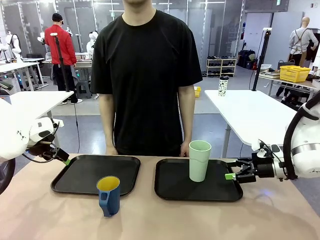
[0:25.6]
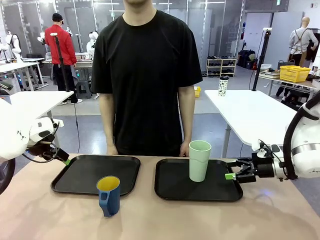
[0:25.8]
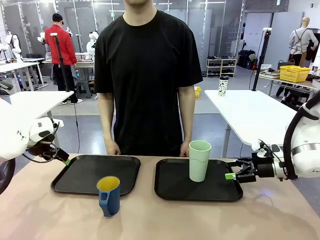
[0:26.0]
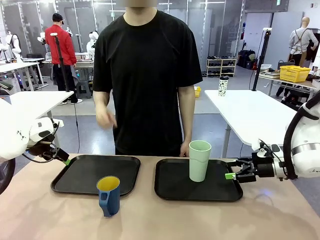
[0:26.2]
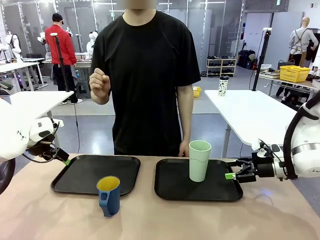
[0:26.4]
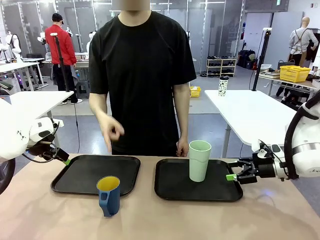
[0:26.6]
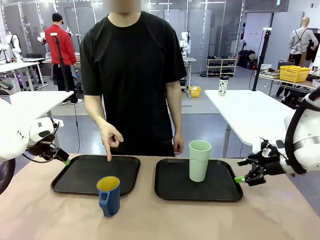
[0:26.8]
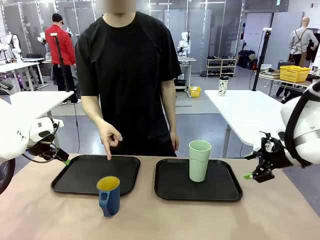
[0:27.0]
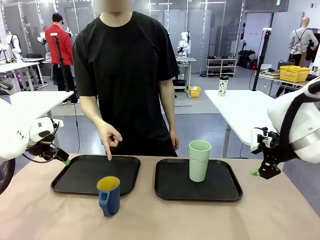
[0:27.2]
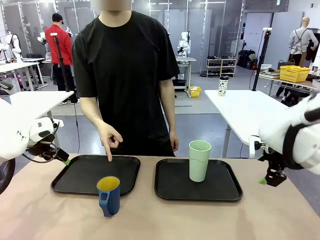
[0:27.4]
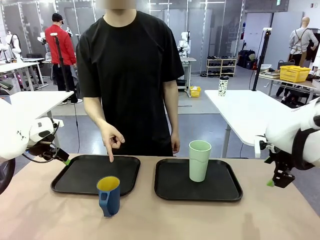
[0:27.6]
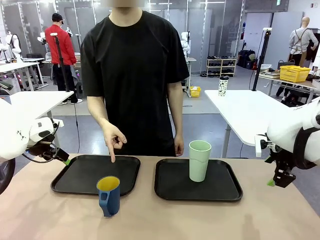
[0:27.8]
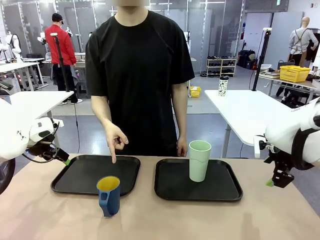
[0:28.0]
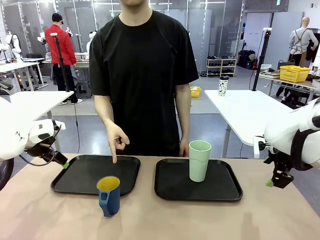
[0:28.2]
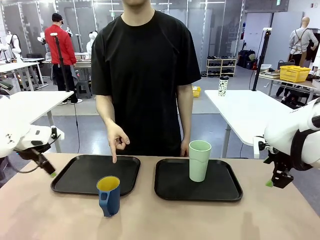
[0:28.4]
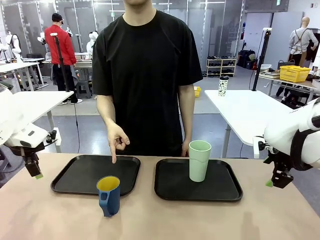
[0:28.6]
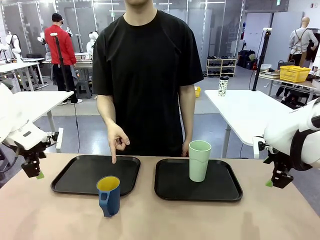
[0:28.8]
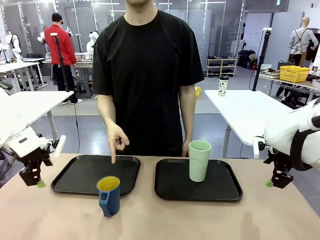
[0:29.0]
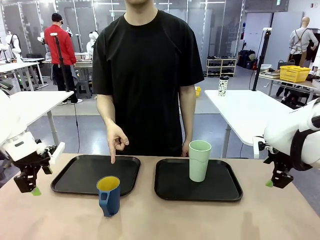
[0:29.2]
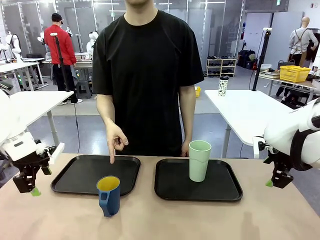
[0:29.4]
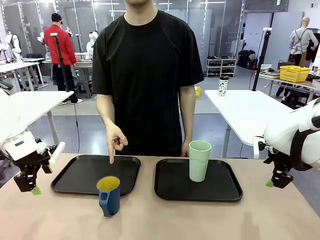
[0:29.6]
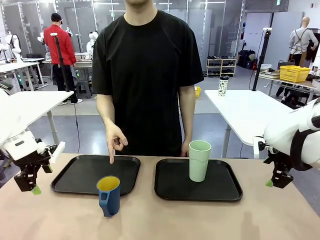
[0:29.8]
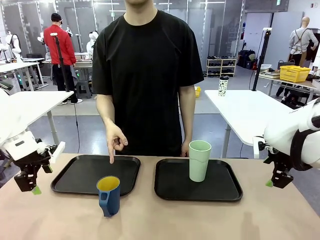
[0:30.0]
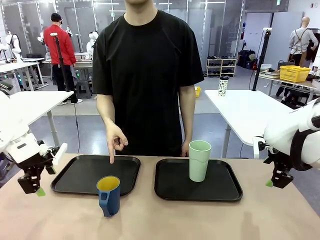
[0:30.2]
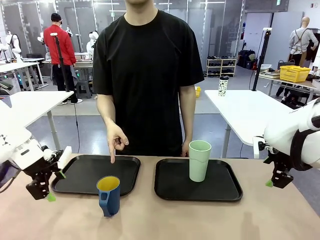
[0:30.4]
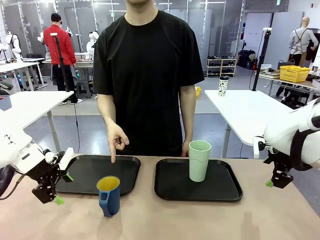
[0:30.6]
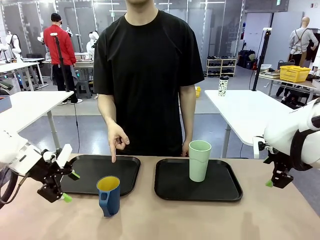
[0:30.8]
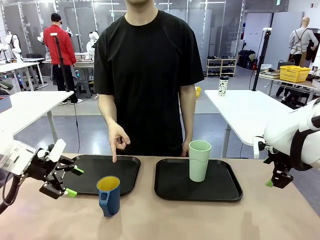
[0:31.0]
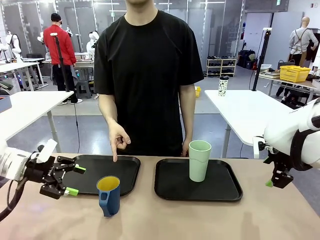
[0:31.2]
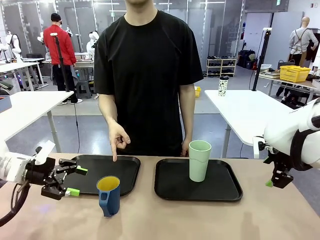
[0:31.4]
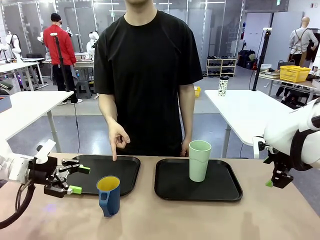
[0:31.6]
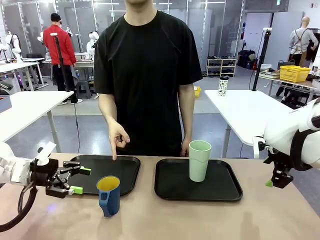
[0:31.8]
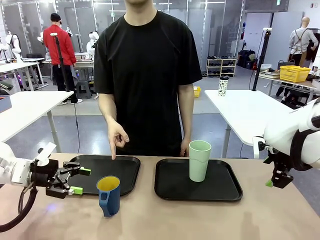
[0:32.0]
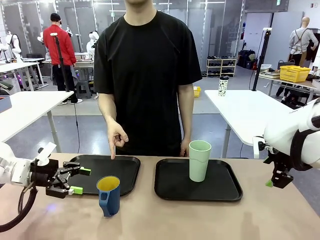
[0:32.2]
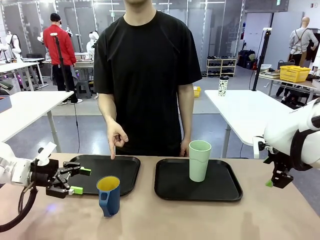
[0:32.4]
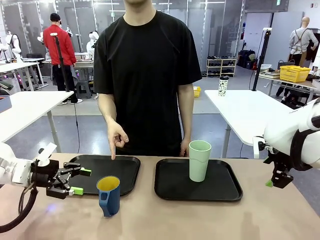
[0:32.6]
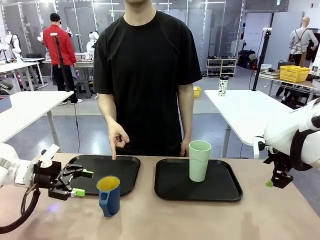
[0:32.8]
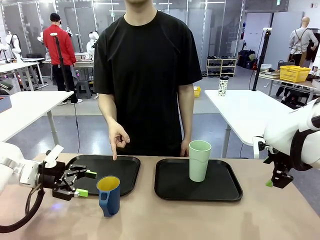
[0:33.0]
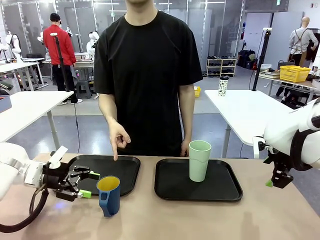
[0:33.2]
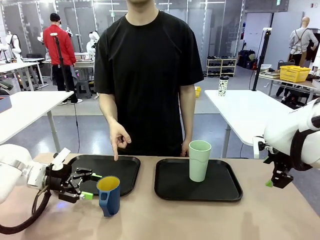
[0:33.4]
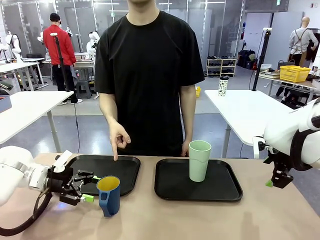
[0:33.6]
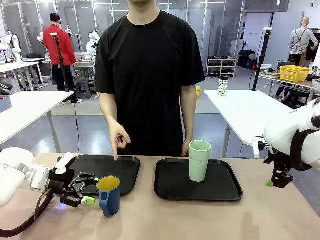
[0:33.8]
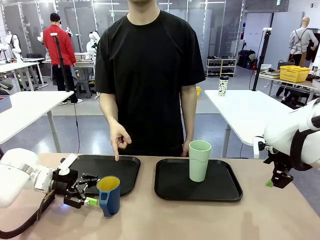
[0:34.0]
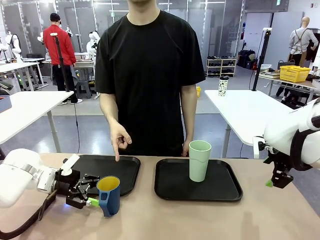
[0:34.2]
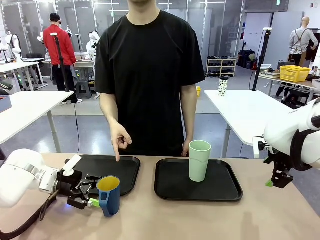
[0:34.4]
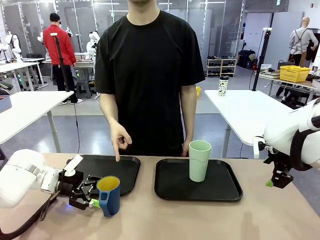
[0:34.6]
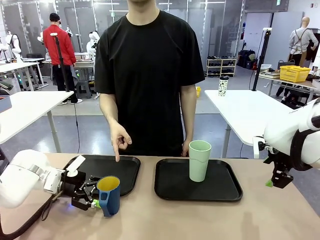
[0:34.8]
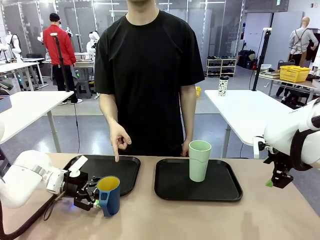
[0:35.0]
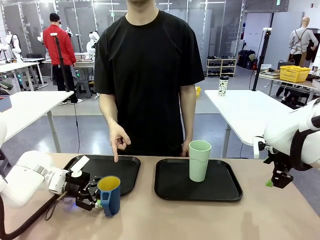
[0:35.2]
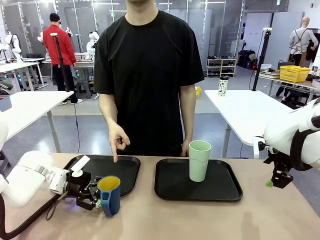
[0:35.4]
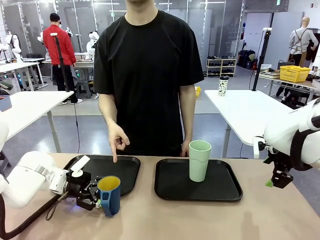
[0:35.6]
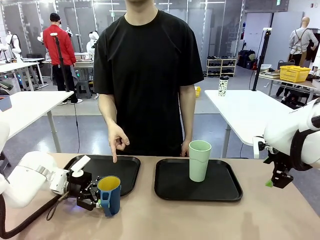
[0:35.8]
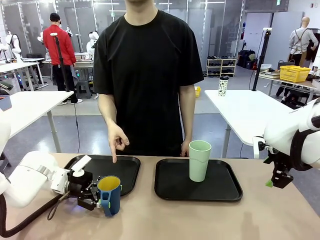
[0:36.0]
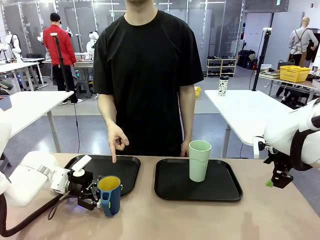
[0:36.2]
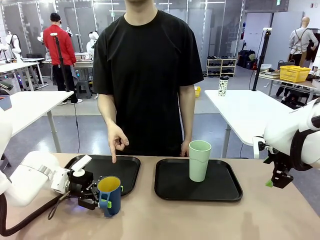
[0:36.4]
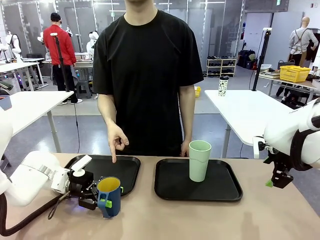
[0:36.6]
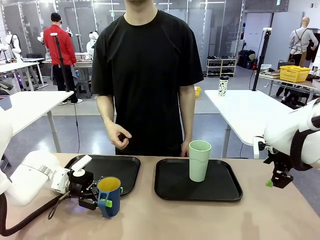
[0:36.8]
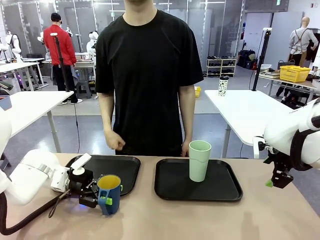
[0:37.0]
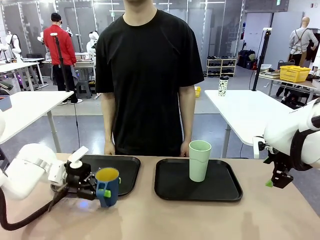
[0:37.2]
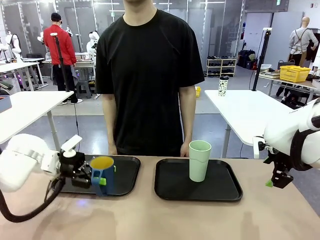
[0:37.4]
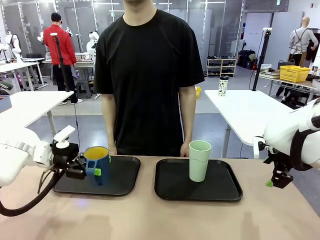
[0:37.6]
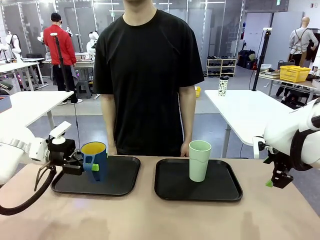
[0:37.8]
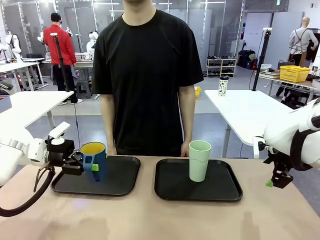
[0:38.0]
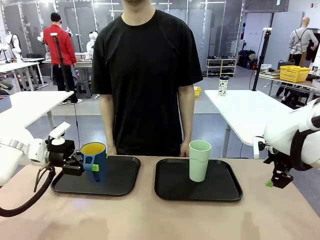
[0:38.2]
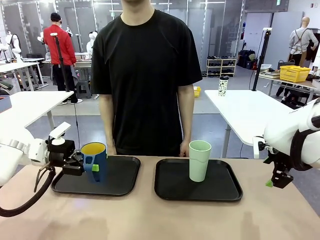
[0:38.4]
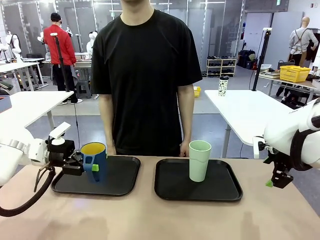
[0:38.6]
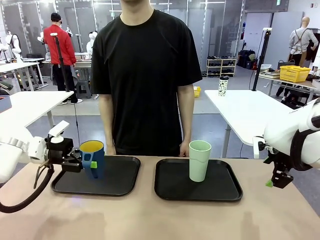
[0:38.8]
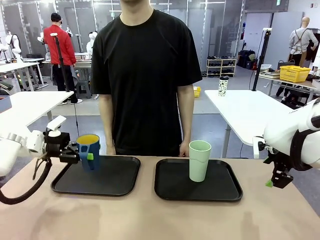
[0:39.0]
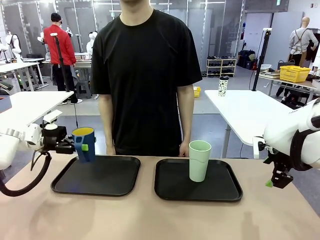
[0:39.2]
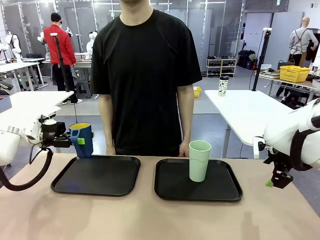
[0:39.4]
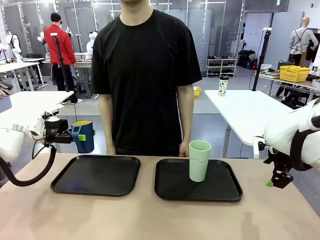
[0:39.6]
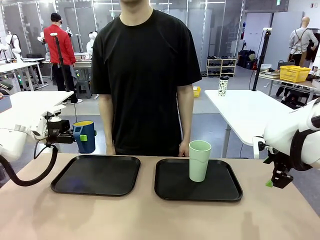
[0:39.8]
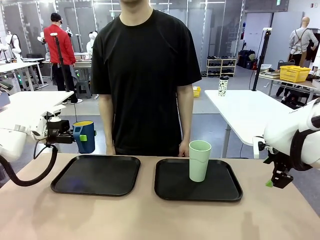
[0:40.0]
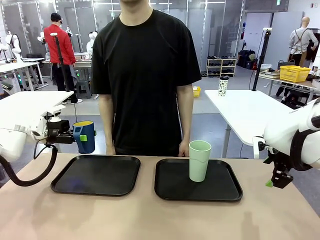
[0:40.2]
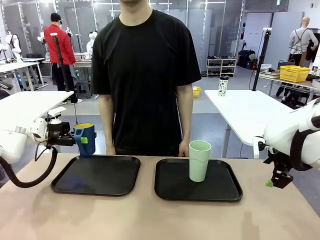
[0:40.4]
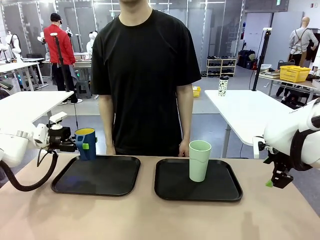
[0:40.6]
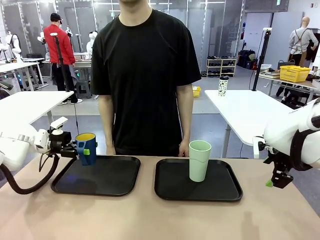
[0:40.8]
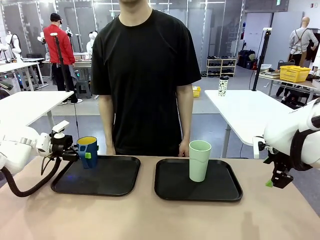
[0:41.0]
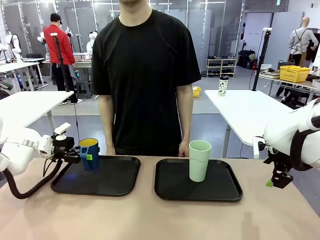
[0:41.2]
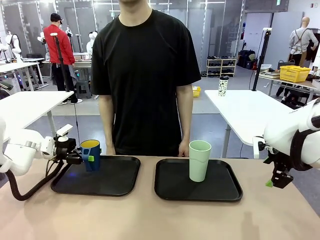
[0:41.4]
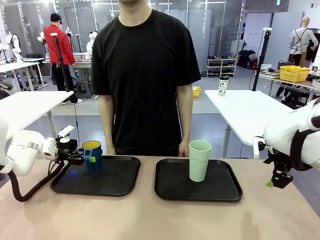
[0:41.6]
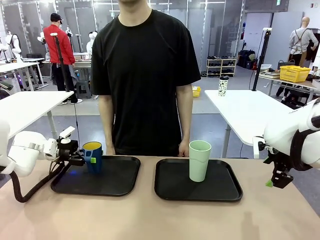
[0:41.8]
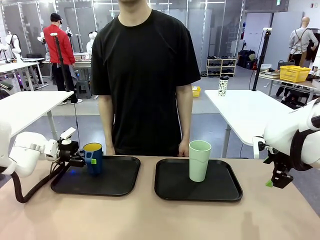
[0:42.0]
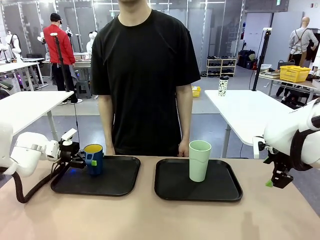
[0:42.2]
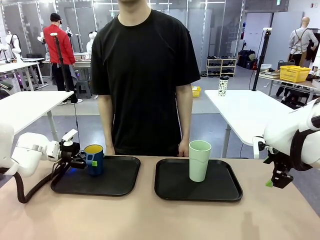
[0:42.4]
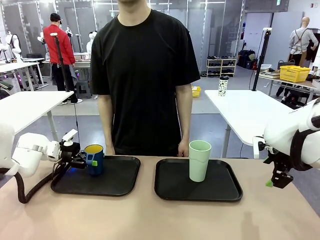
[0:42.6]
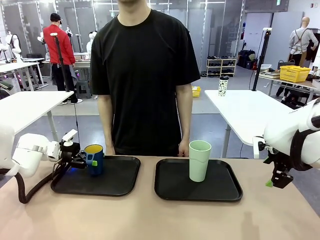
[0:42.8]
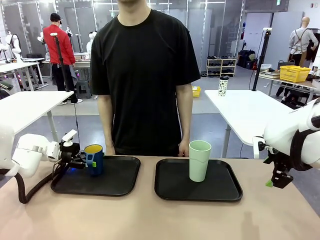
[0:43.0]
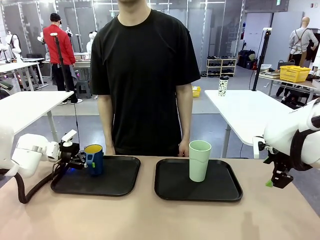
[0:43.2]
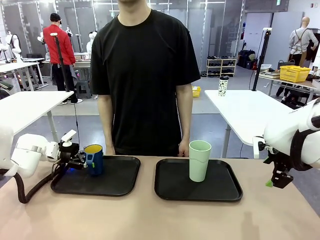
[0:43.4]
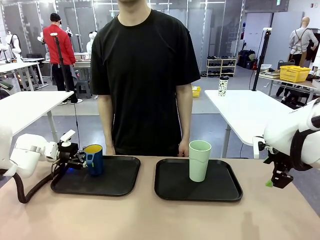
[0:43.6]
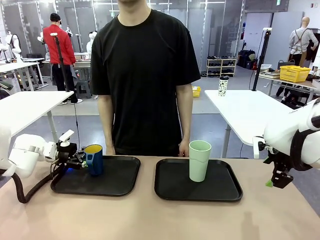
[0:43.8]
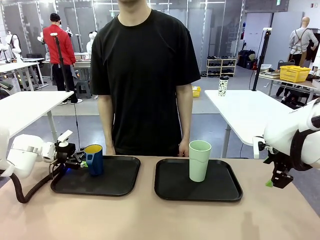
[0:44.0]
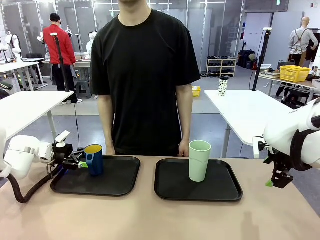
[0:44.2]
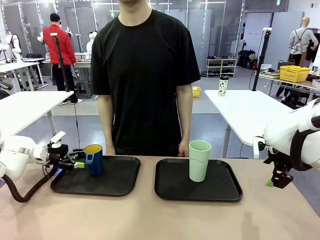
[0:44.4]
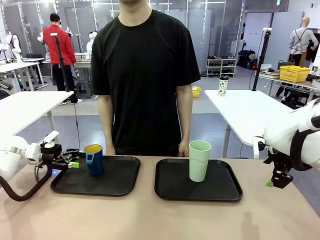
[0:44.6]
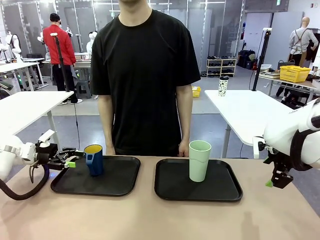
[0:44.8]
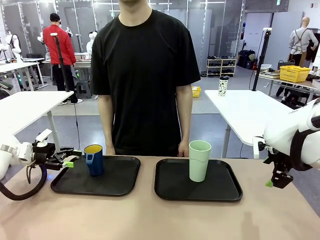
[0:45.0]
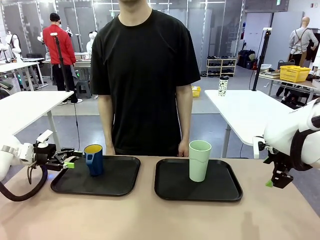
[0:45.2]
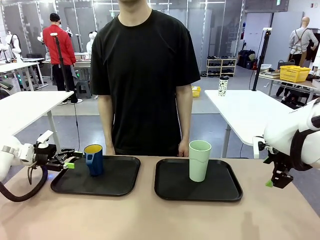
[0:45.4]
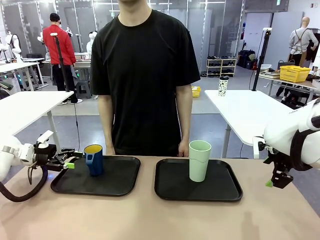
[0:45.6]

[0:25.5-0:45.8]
Task: Sort and store the cups by type.
Robot: Pick up the Handle plastic cup and place it into the empty Flat Tray.
Person: Points to the cup with a handle.
